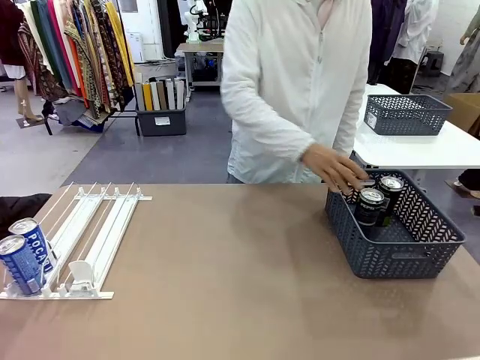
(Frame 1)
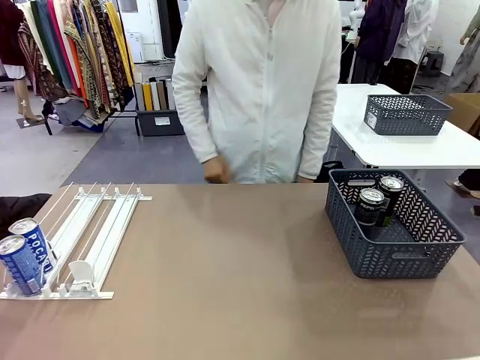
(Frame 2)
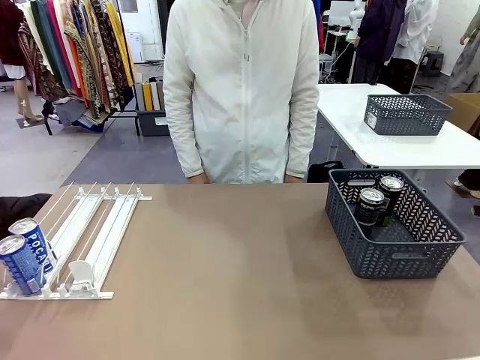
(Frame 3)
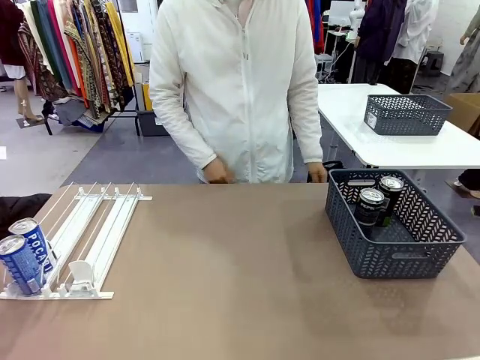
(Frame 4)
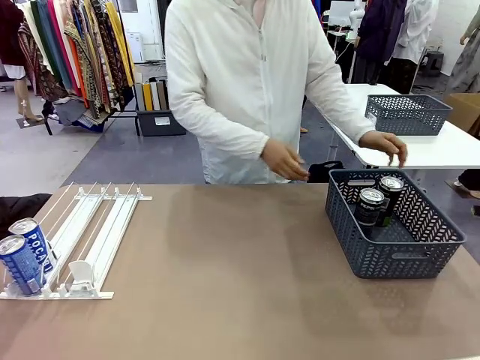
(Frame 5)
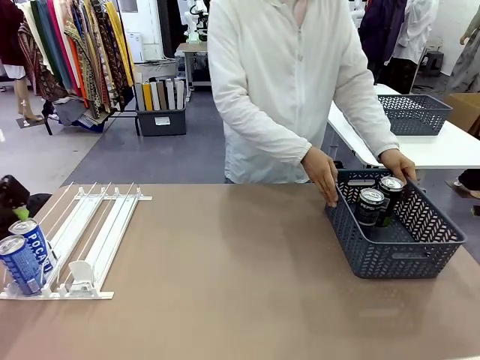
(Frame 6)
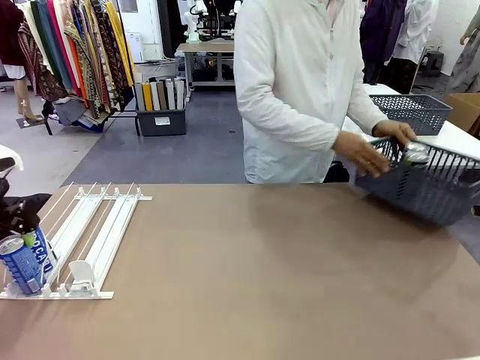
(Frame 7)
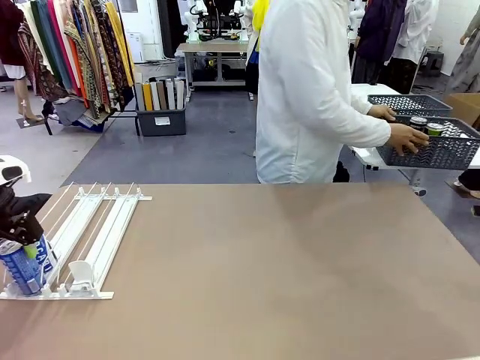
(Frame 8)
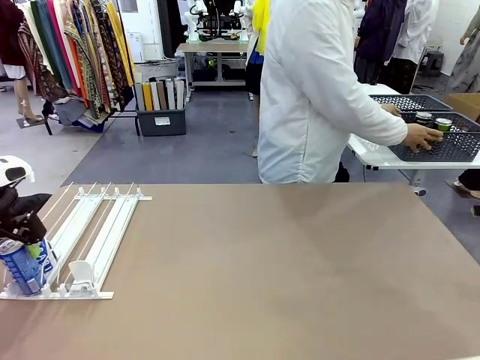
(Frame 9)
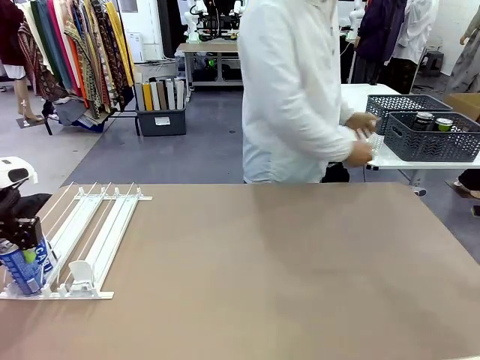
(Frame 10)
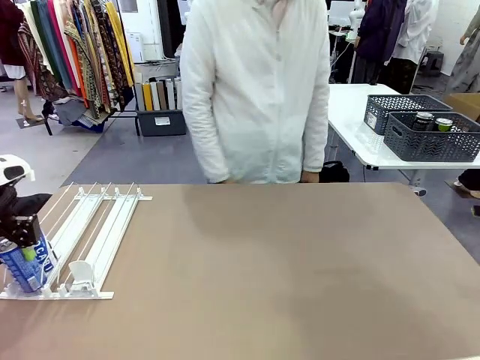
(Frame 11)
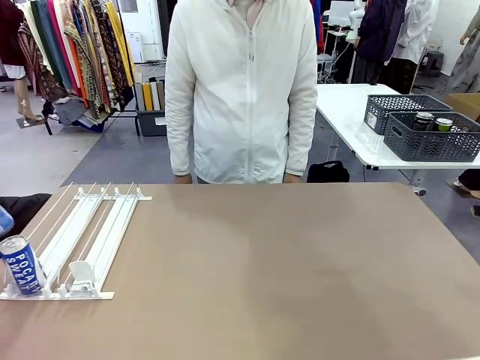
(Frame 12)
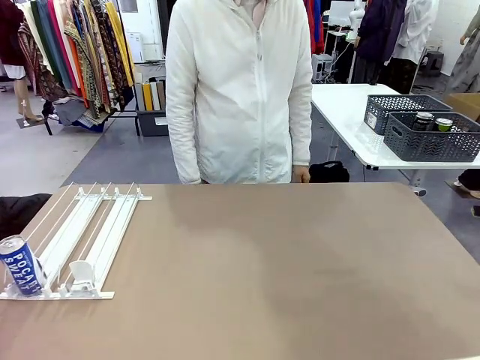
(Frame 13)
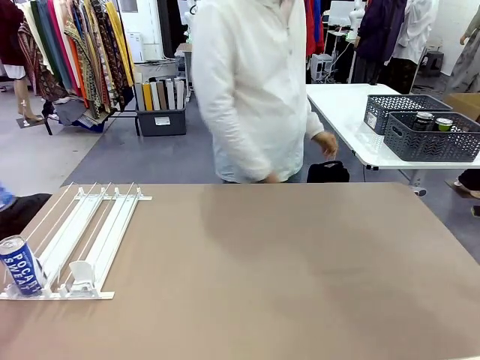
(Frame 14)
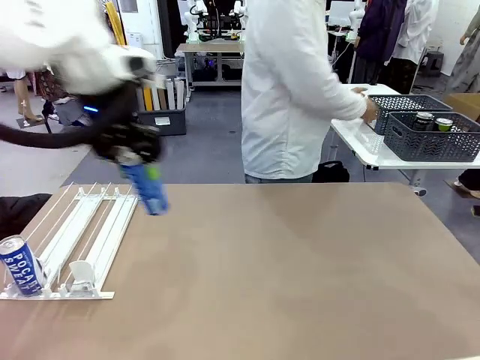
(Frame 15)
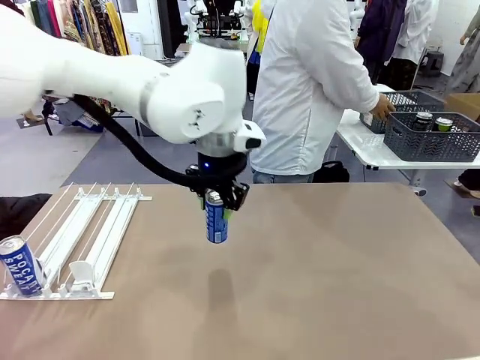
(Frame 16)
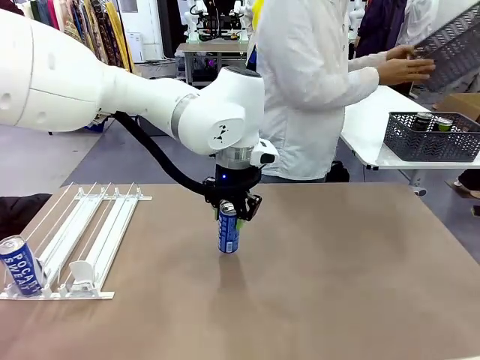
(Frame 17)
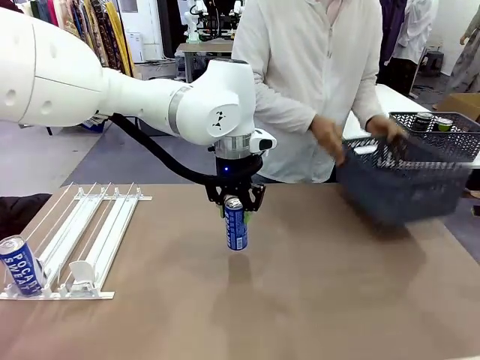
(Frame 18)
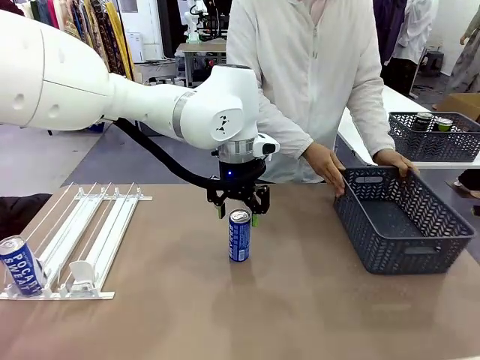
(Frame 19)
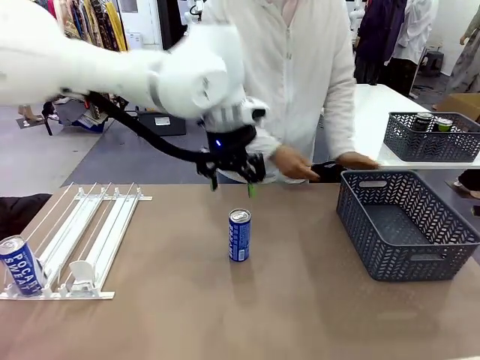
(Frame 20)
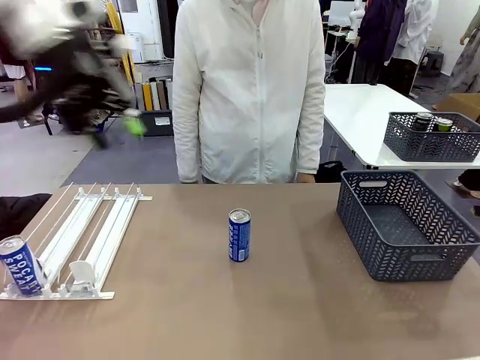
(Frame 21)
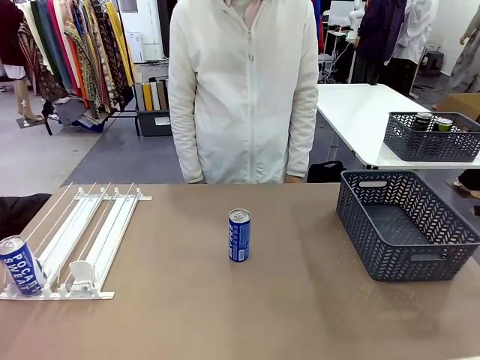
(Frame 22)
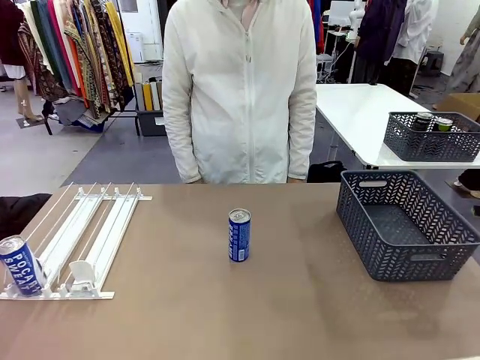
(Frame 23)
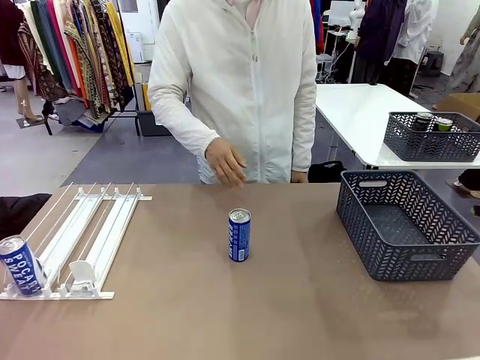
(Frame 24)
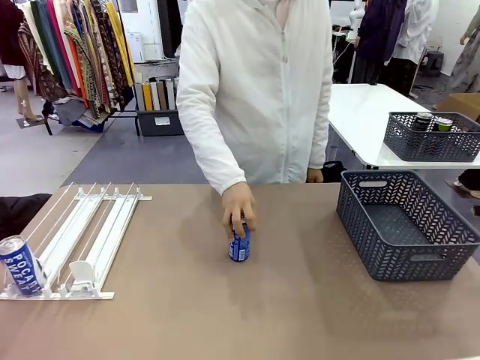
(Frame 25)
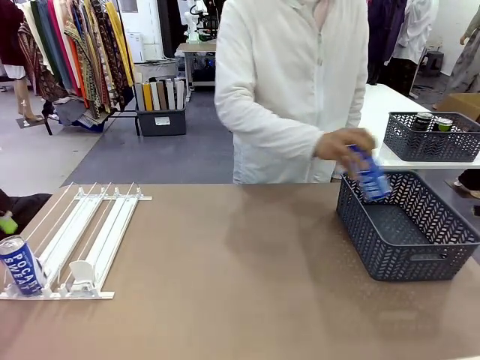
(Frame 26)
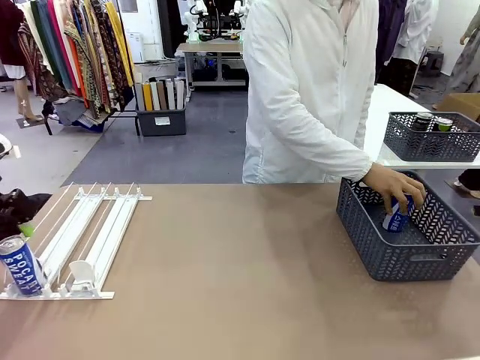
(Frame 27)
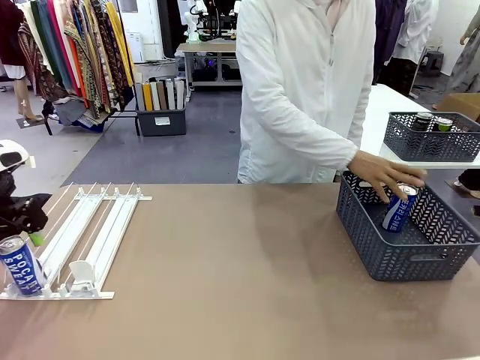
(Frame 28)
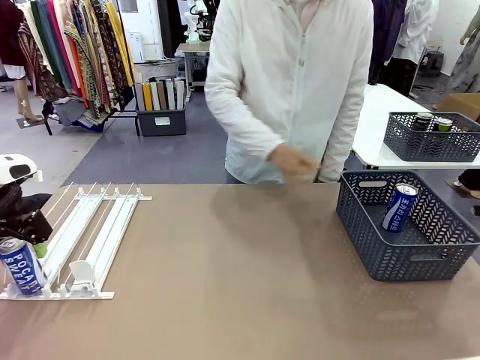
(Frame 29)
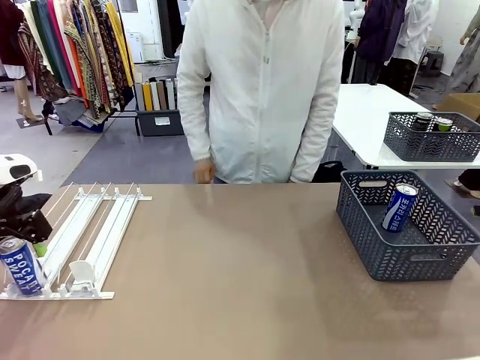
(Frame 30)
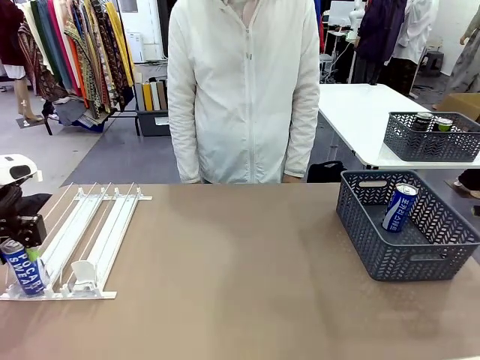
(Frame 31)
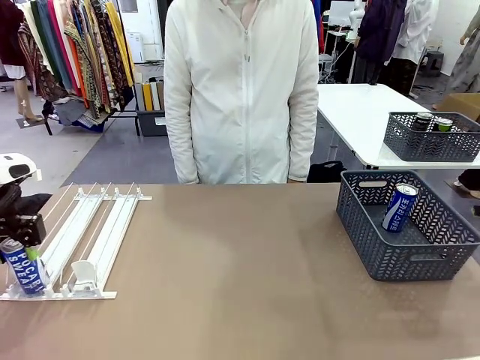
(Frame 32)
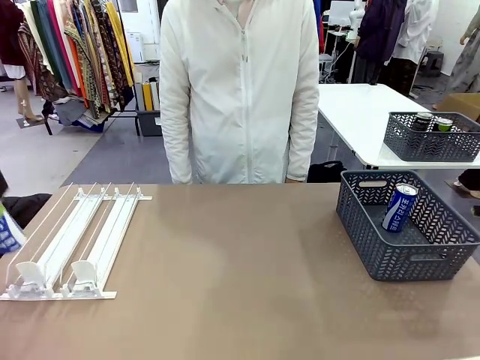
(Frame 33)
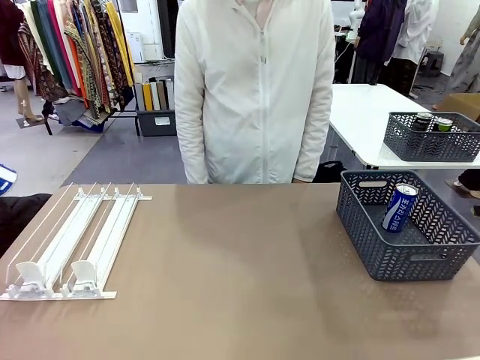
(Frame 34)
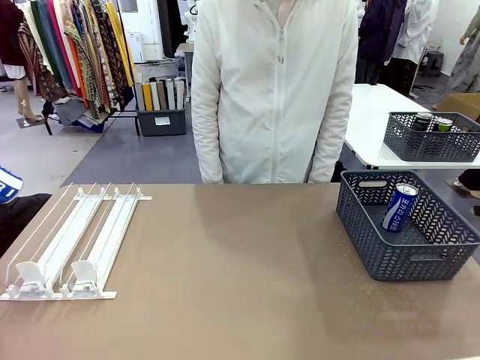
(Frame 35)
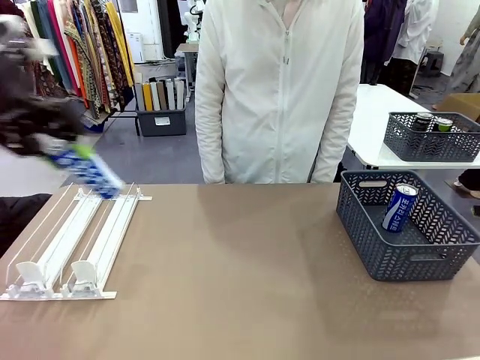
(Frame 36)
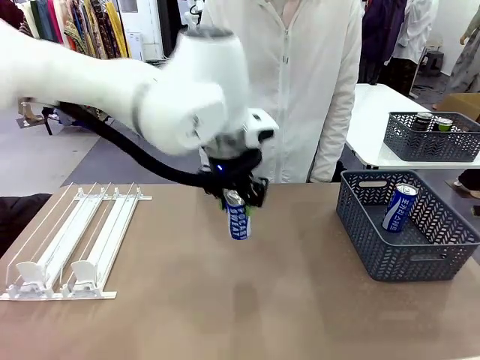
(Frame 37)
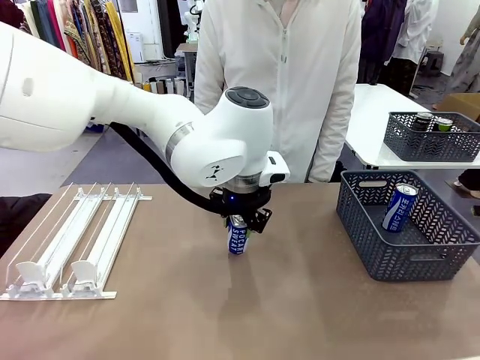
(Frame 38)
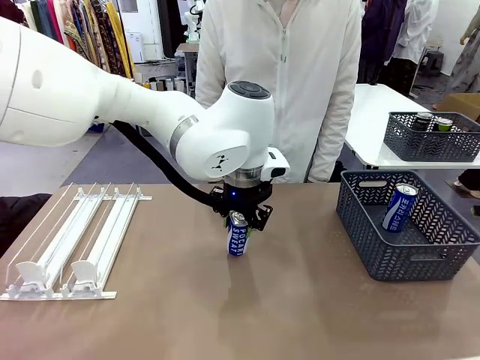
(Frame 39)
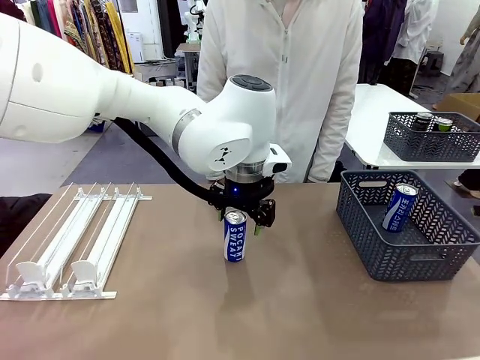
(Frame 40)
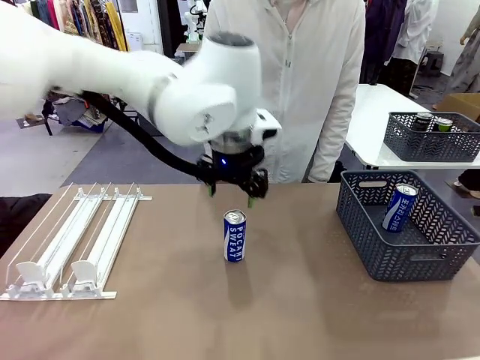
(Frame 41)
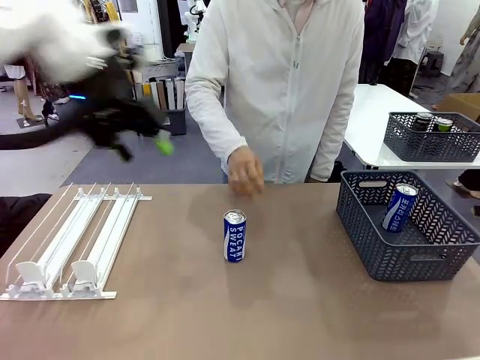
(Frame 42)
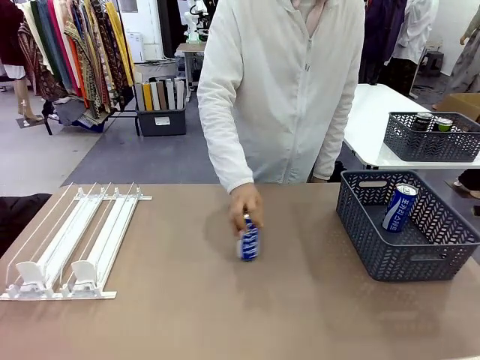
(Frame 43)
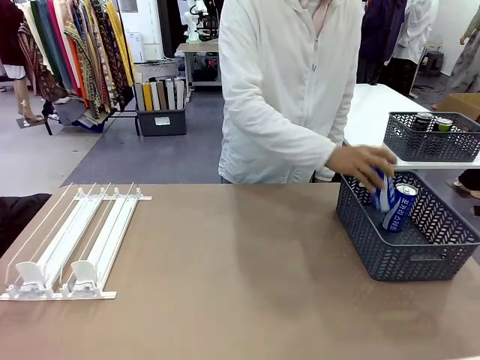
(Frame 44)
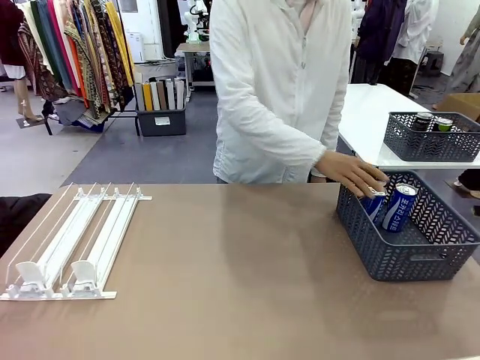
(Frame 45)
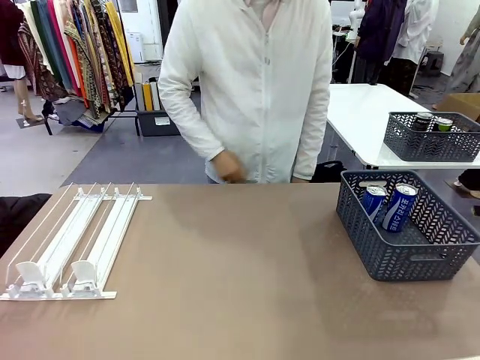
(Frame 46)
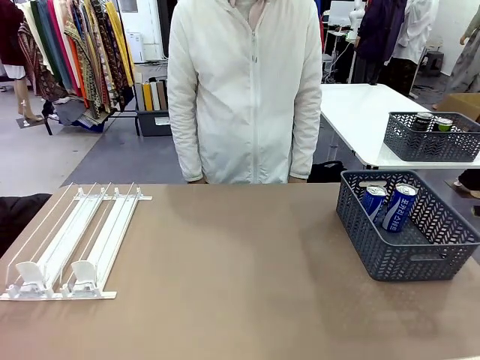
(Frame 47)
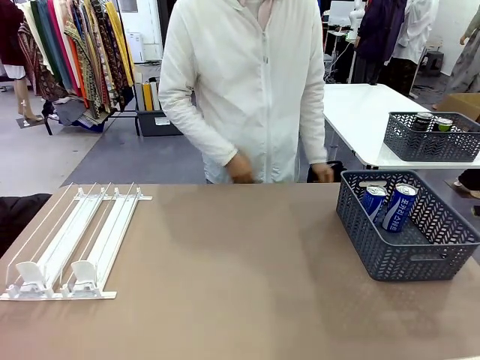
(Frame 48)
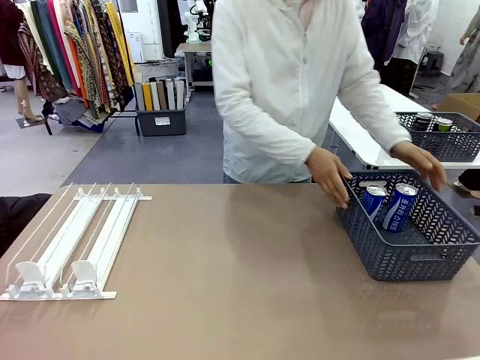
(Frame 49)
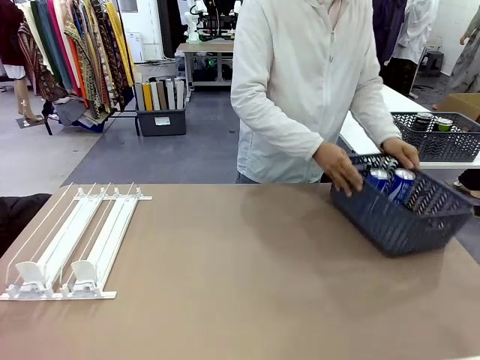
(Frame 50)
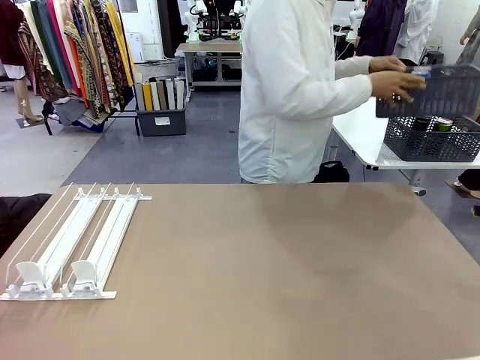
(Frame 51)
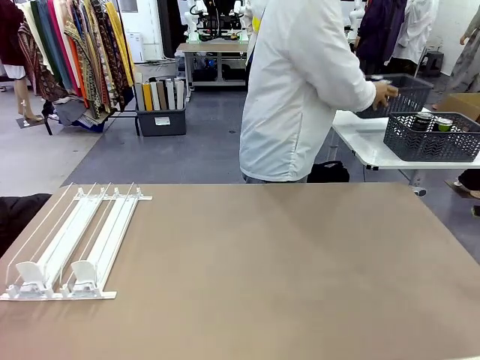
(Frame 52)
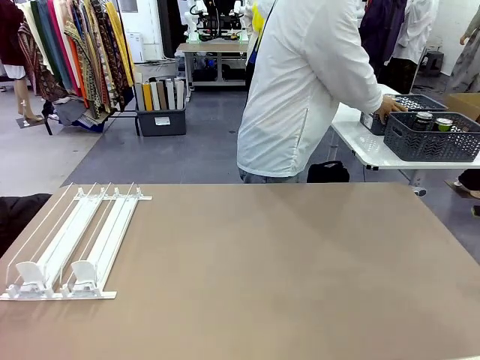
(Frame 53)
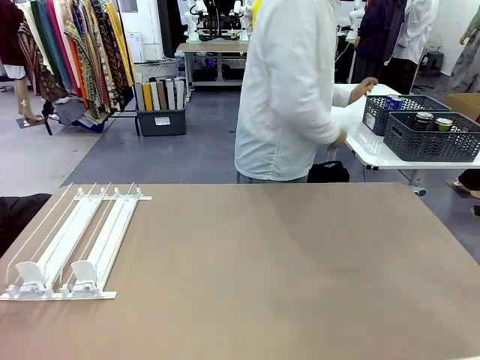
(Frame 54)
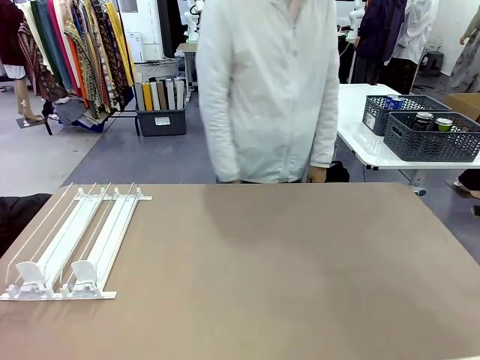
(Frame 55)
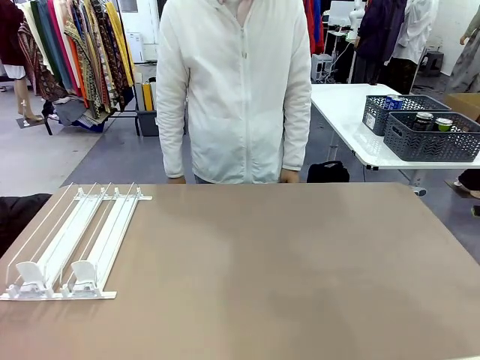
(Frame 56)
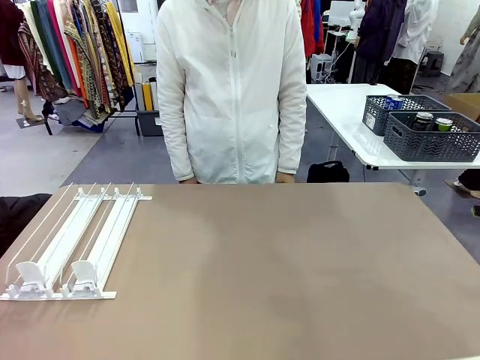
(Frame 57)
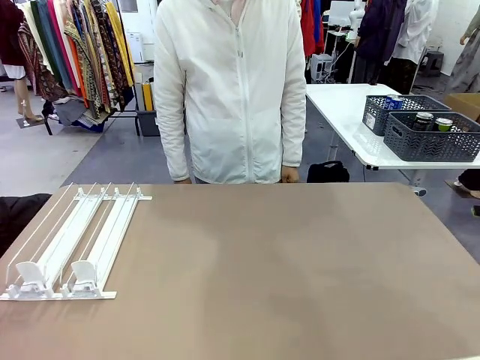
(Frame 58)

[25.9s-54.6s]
Task: Retrieve and store the cans from the dispenser.
Robot: Pick up one can from the Automatic Can Dispenser and place it in the middle of the table.
Person: Pick up the basket and place it in the middle of the human table. Pick up the empty basket and place it on the left side of the robot table. Pick up one sports drink can from the middle of the robot table and place it in the basket. Pick up the basket and place it in the middle of the human table.
